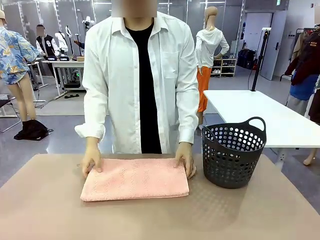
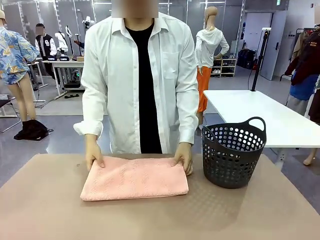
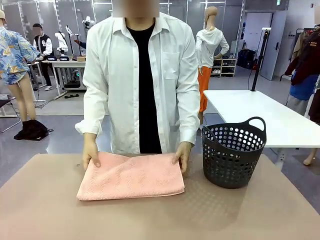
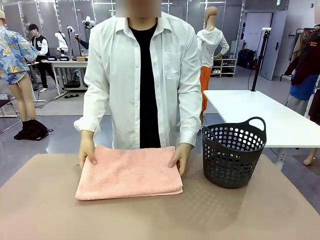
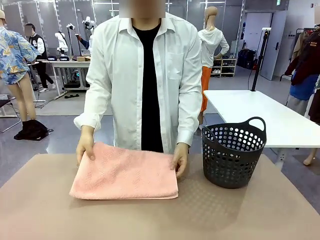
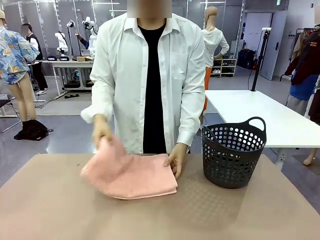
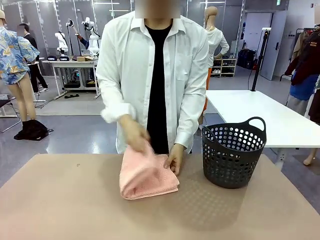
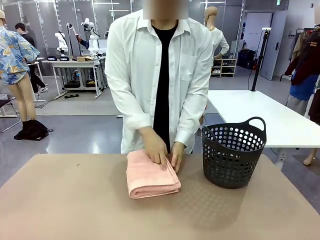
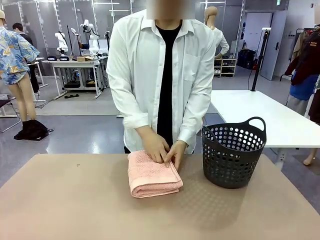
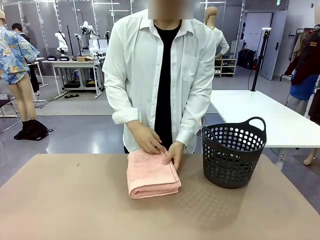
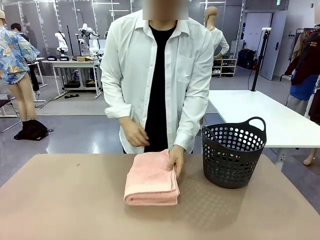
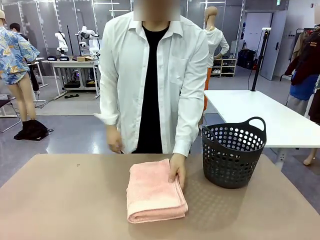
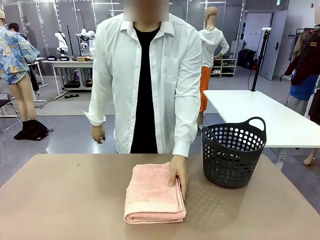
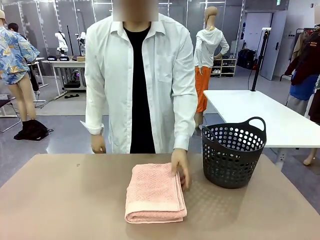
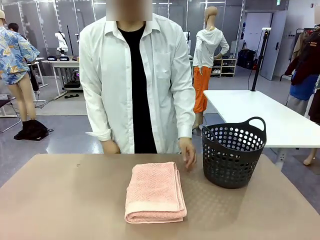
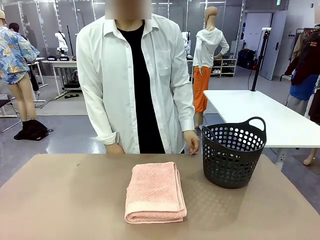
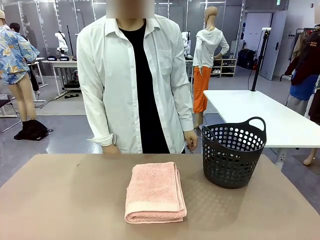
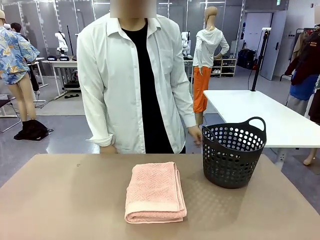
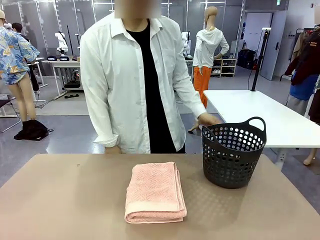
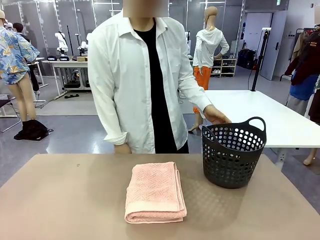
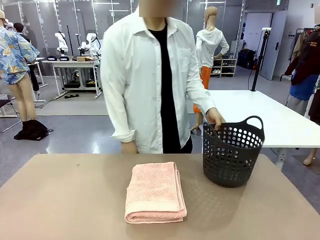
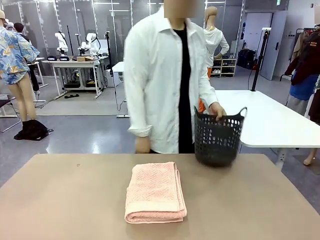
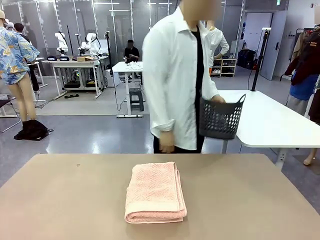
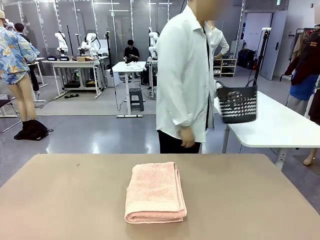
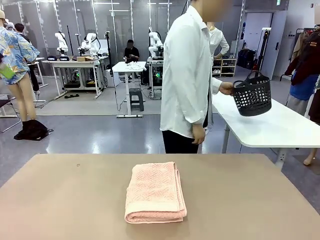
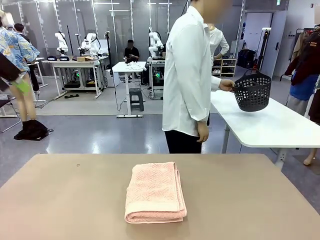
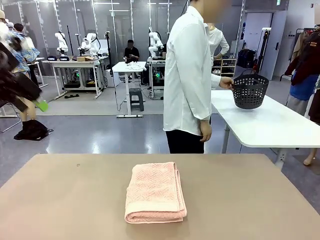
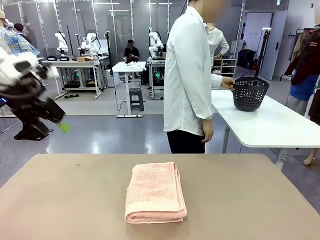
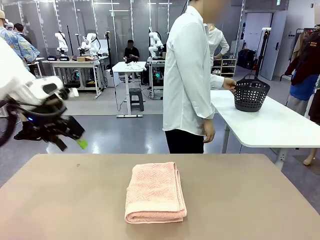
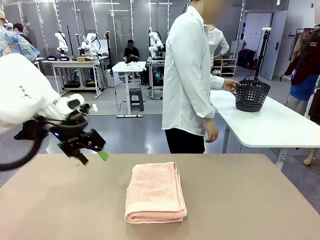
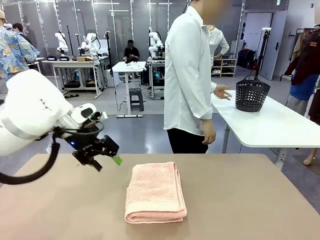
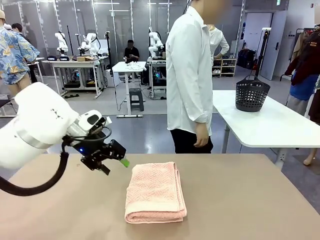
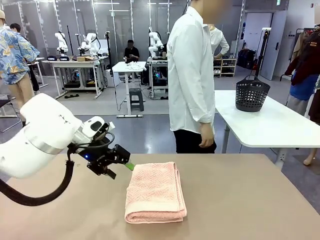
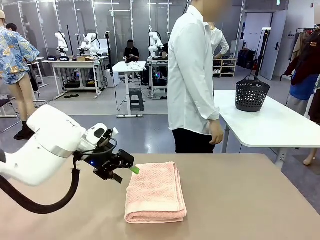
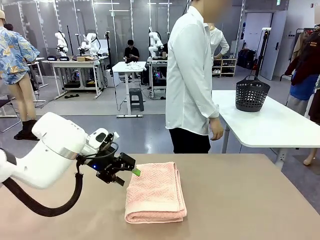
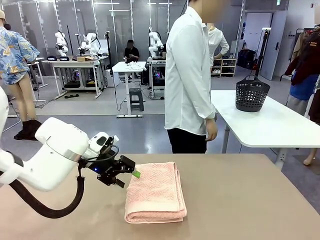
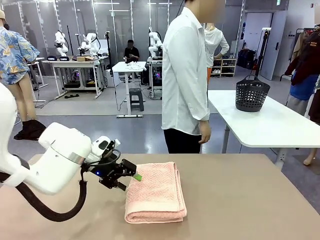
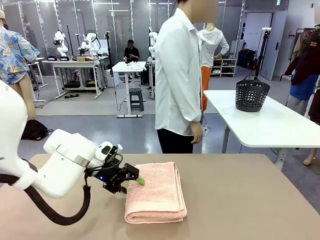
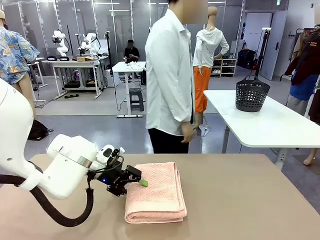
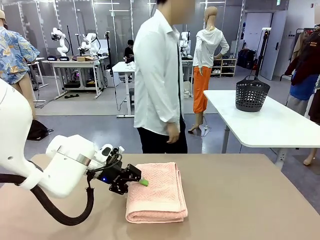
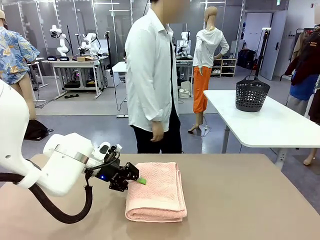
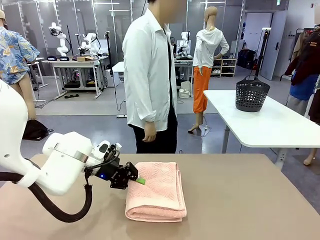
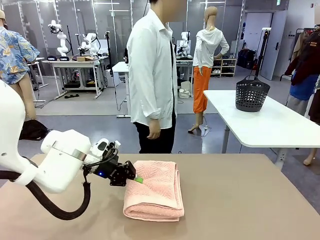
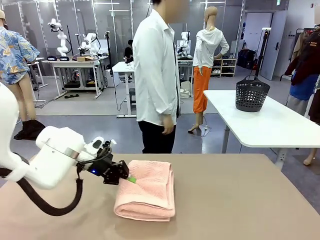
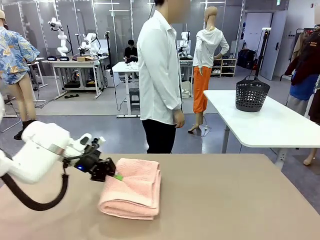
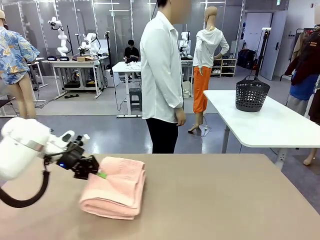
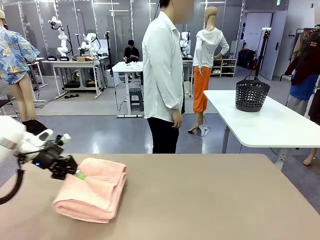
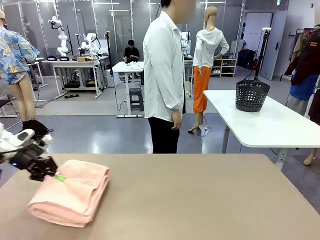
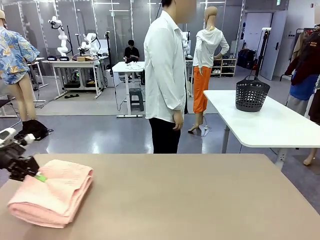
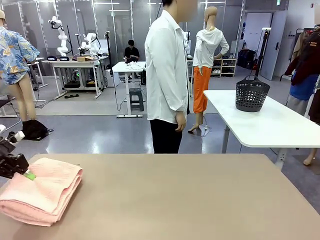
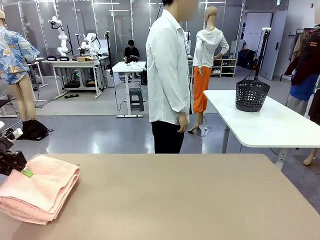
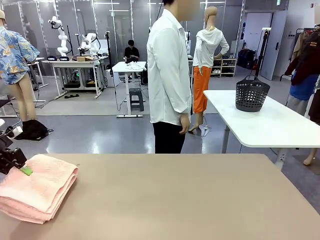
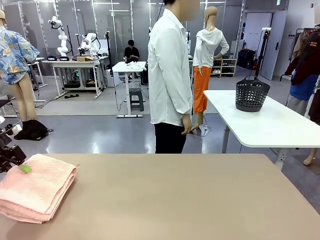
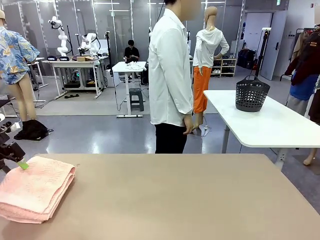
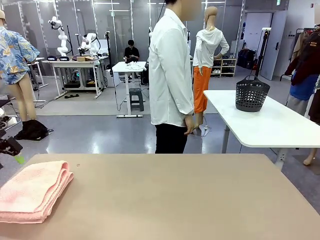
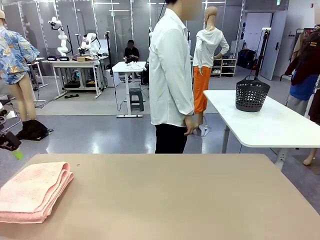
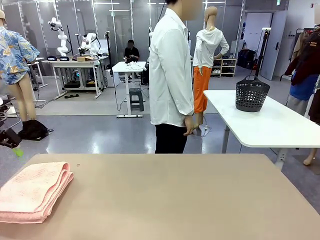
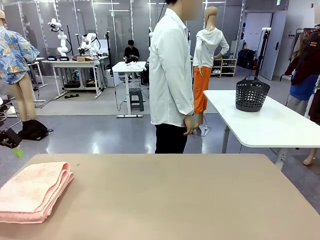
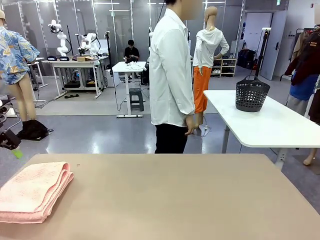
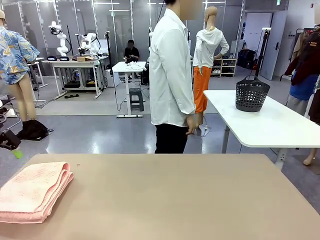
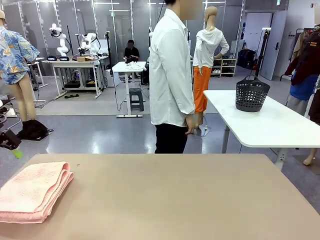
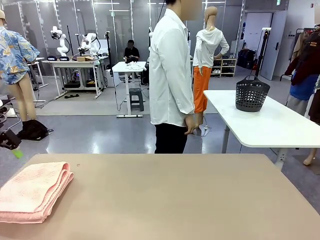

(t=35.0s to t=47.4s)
Task: Fold the towel.
Robot: Pick up the 100 cm Hotel Towel and place it on the left side of the table.
Person: Pick up the laundry basket and place it at the center of the human table.

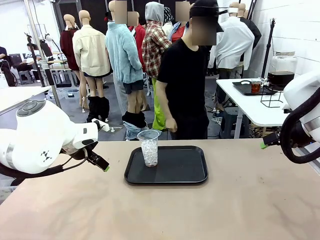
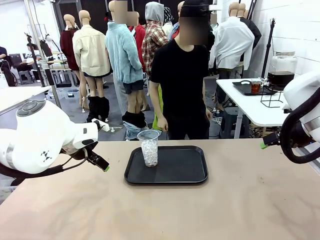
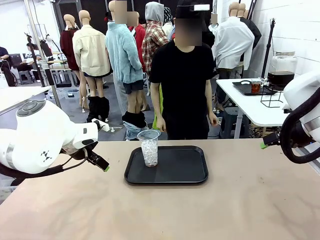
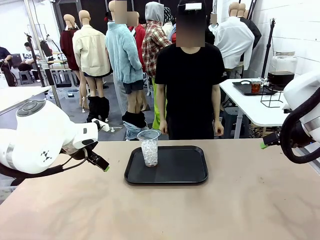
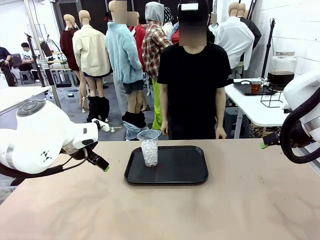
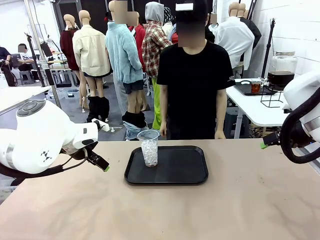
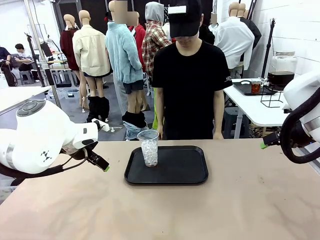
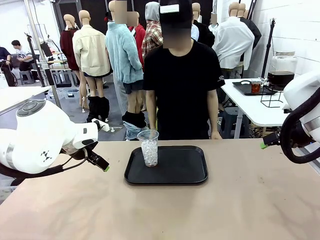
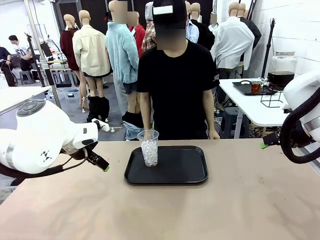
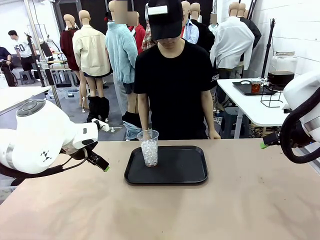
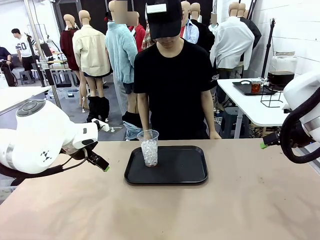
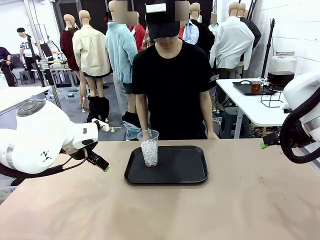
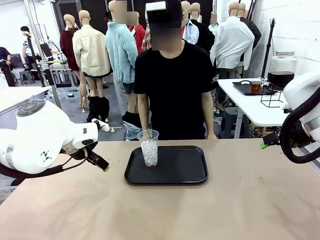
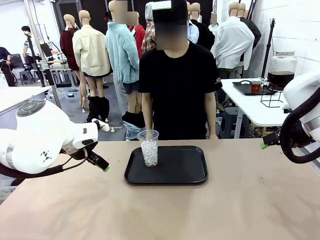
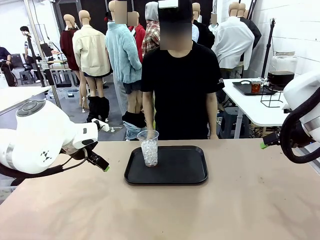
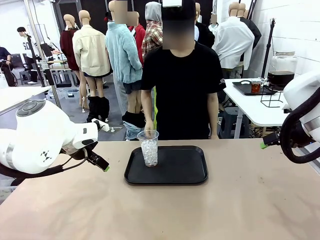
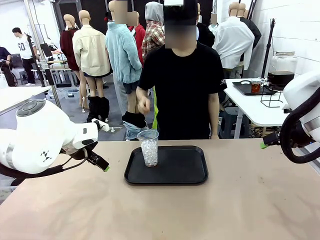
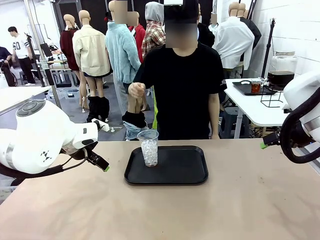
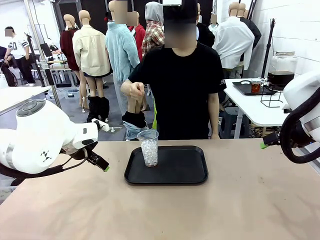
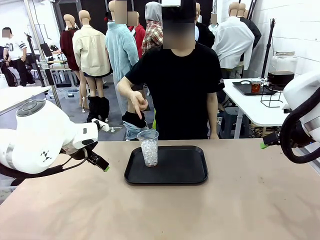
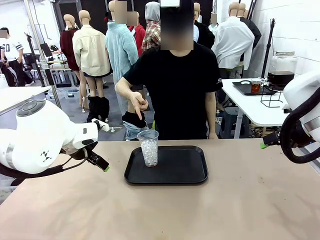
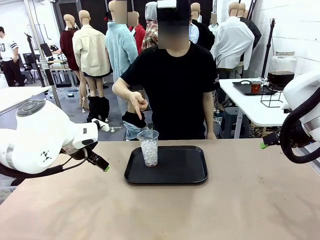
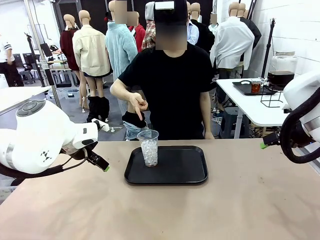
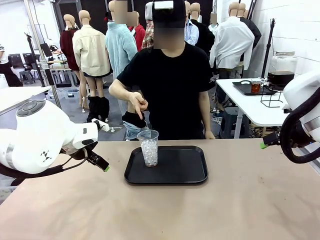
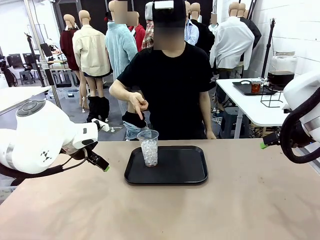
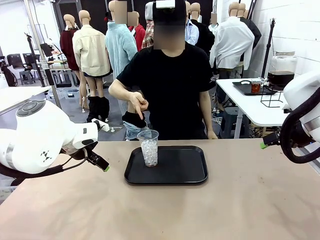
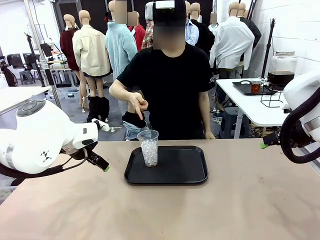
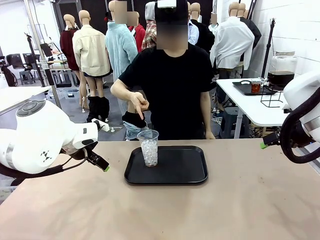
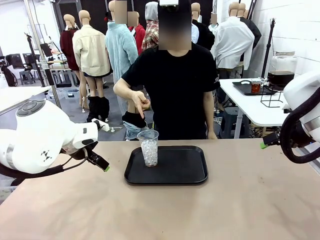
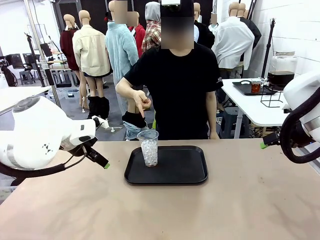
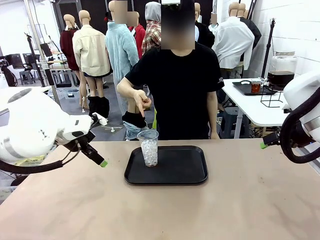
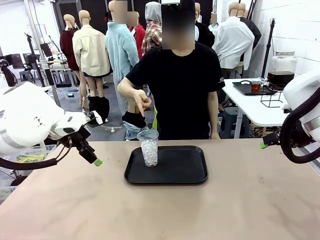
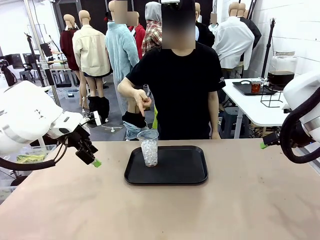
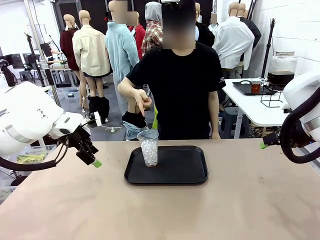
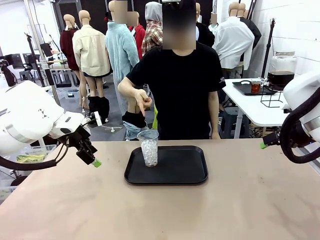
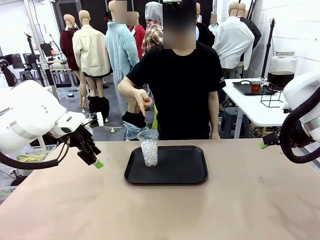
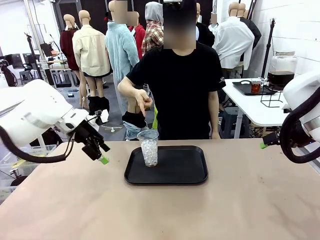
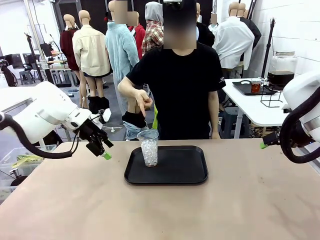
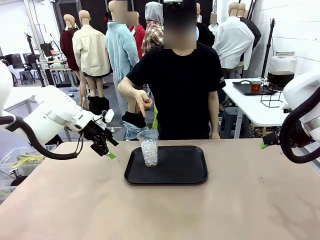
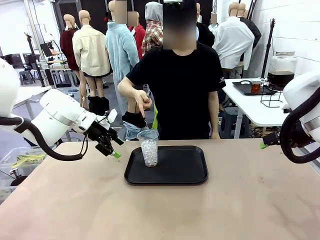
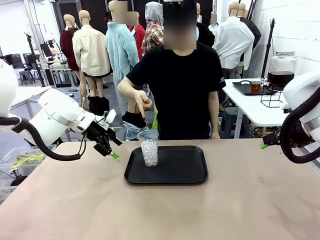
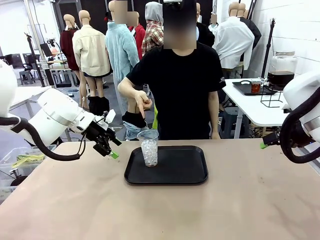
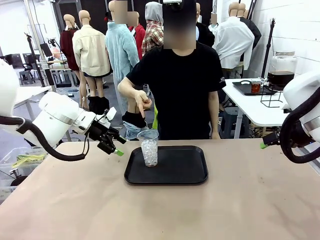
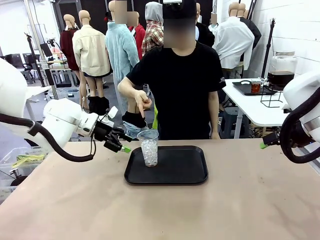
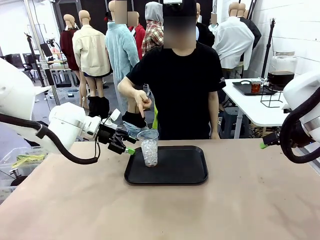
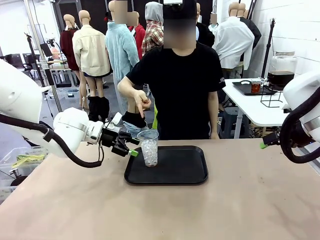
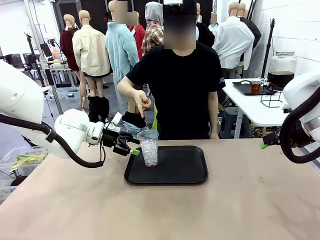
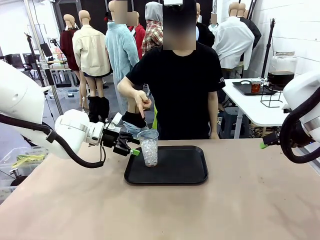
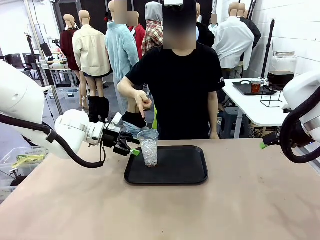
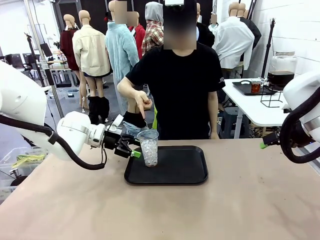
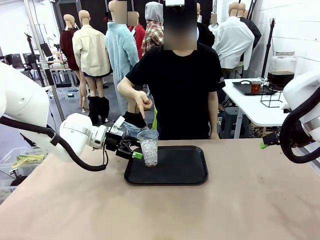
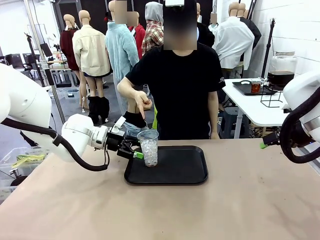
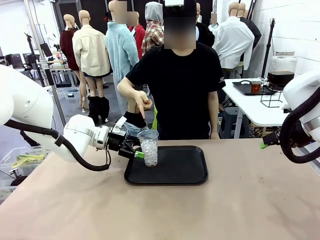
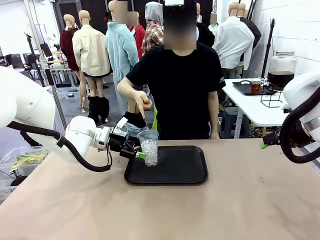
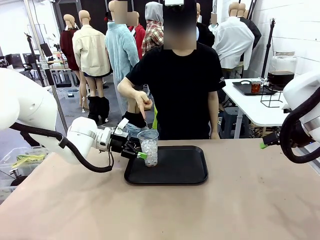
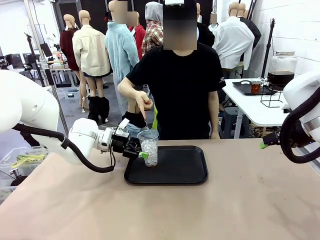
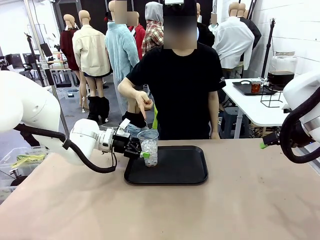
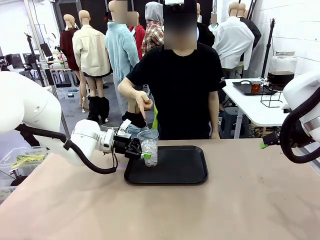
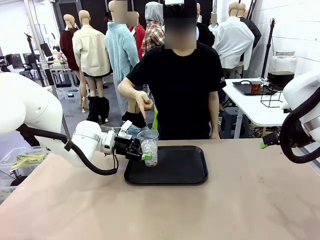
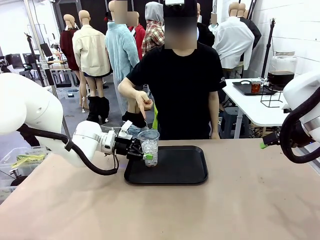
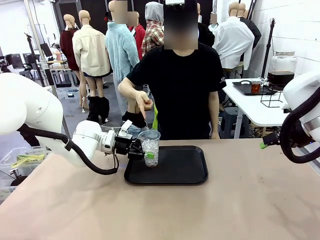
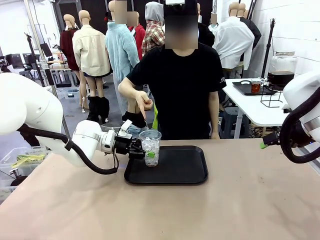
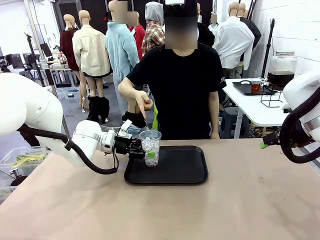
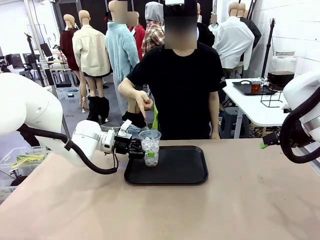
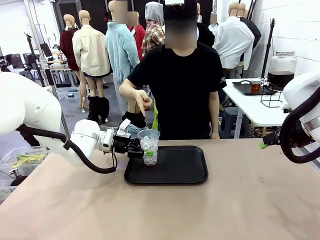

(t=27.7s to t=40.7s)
Task: Pour the drink into the iced cup.
Robot: Pick up the iced cup indicated by the human and present it to them.
Person: Point to the remaining ice cup on the robot table. Pick up the cup offered by the robot.
